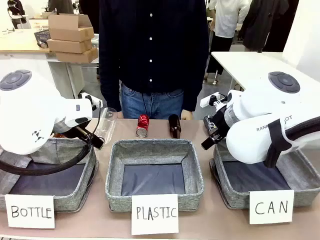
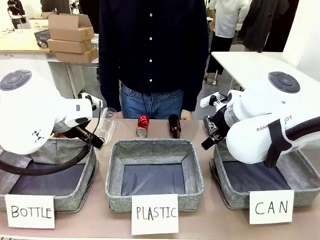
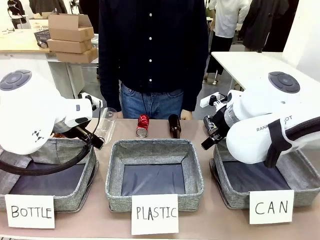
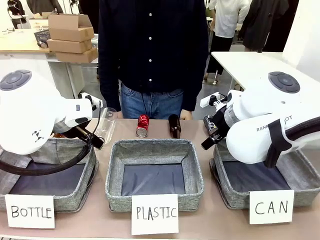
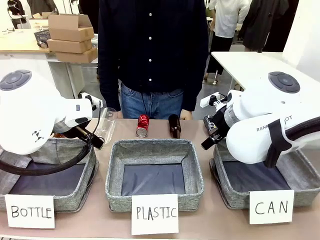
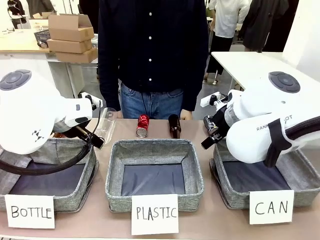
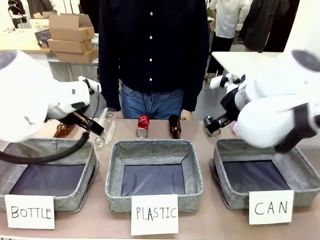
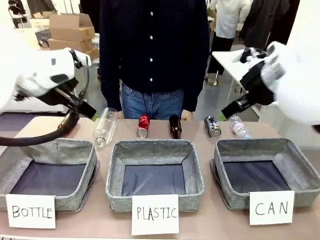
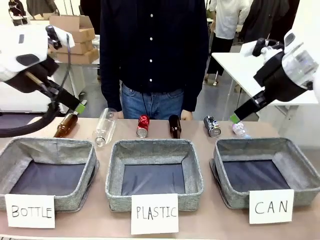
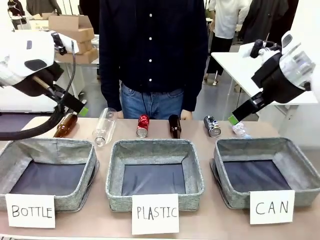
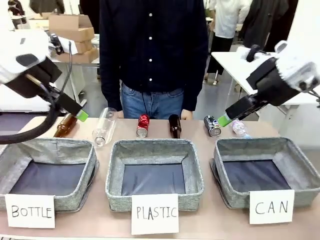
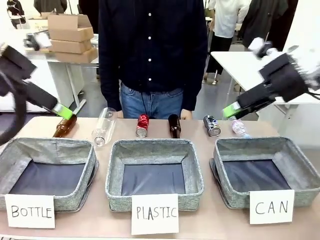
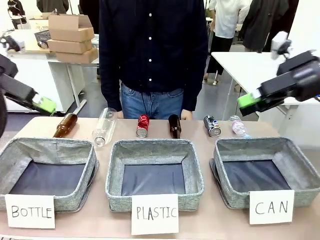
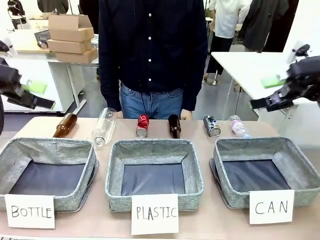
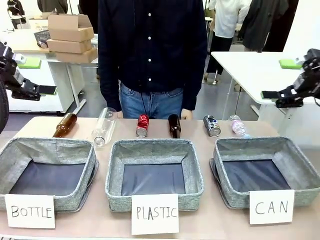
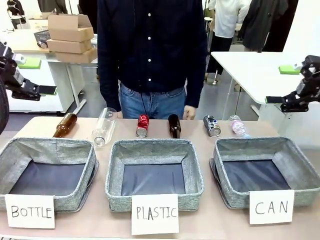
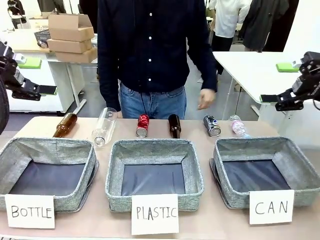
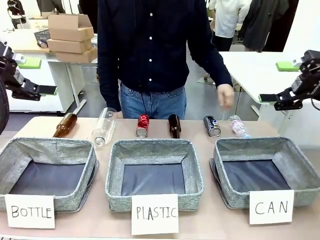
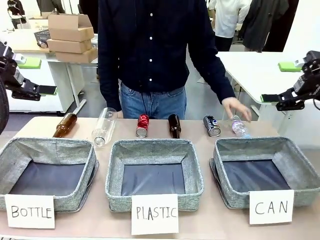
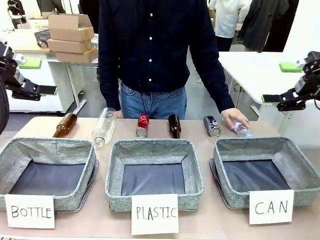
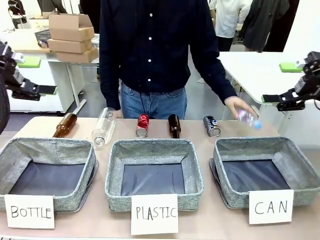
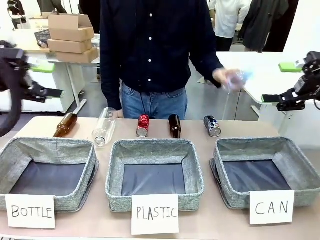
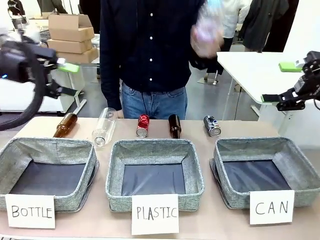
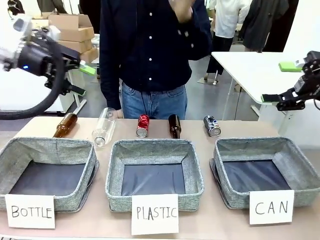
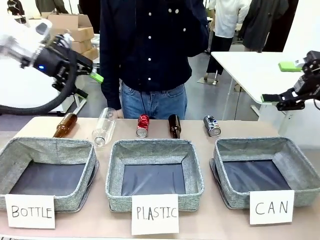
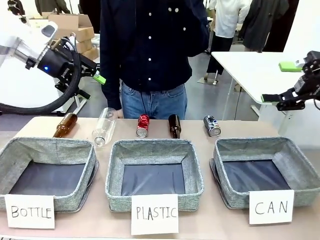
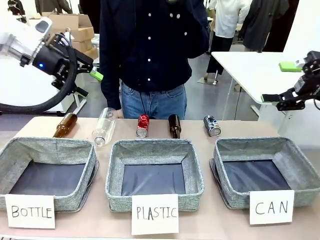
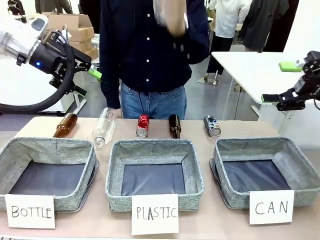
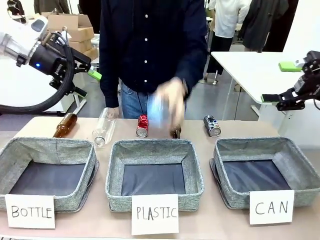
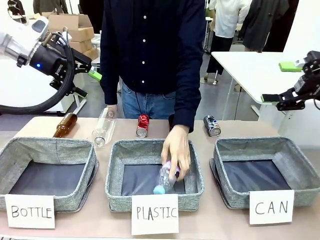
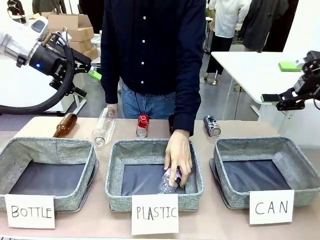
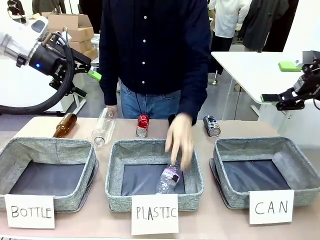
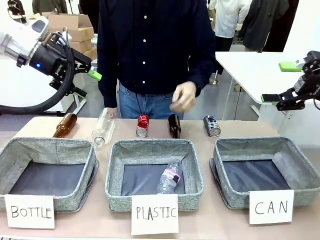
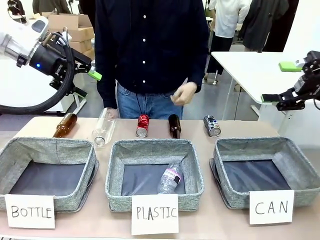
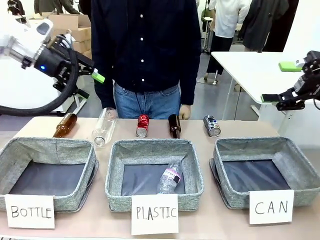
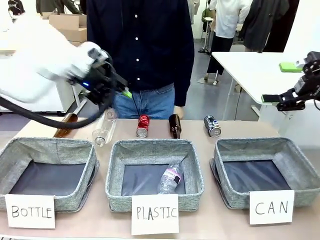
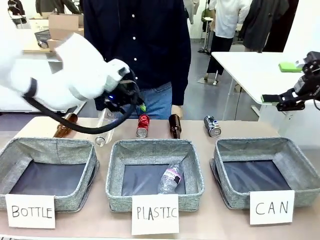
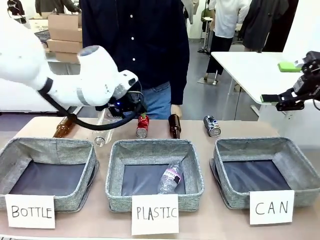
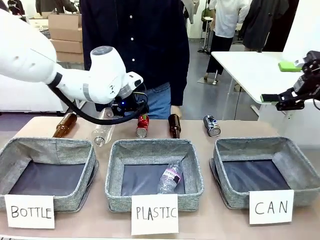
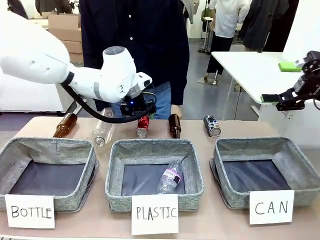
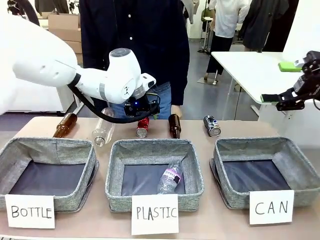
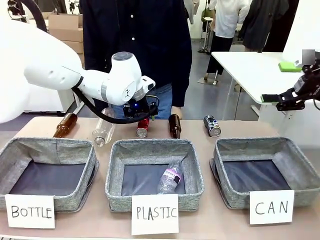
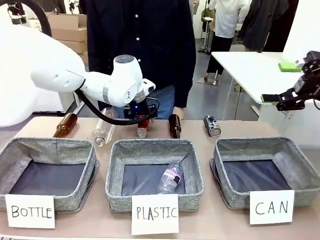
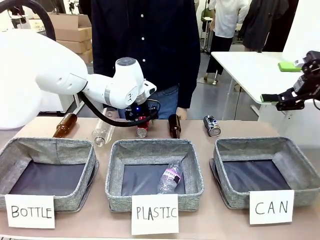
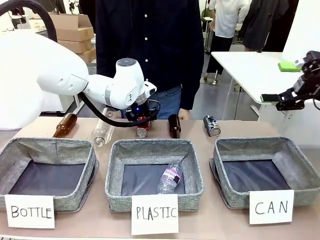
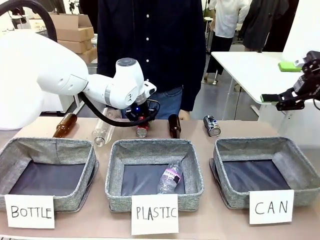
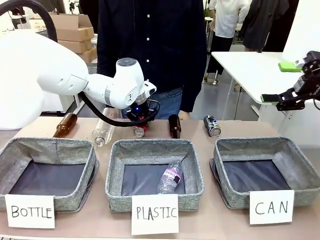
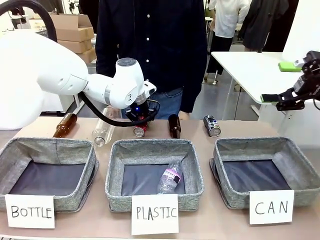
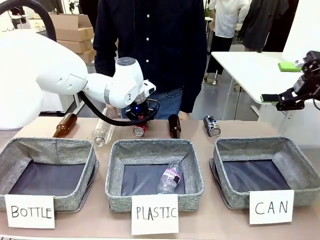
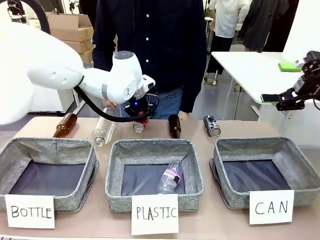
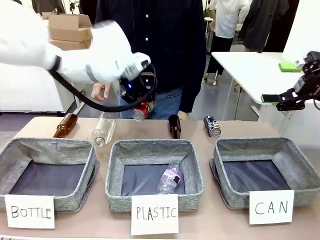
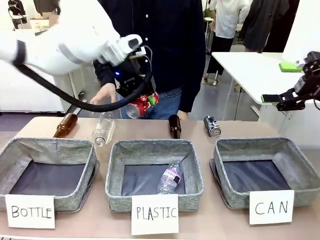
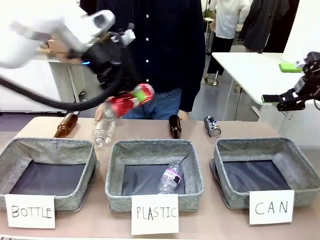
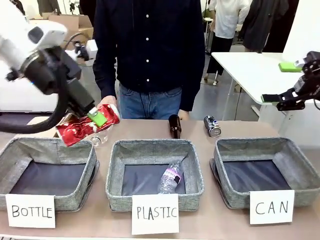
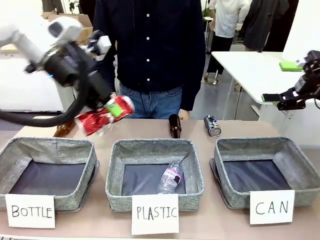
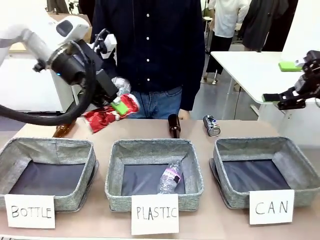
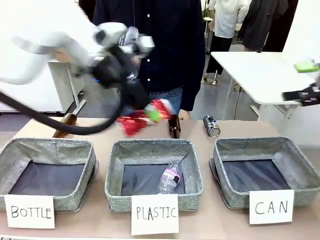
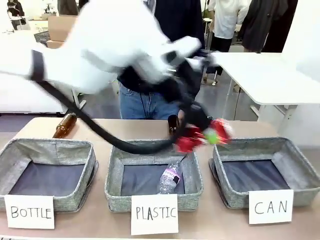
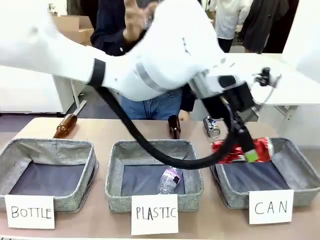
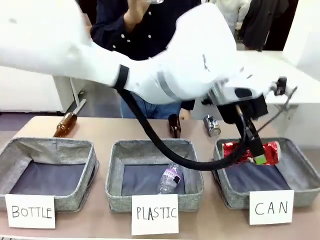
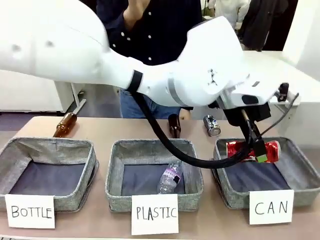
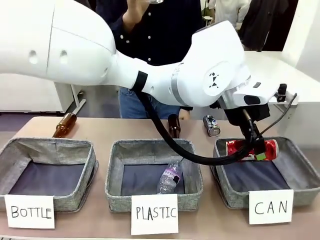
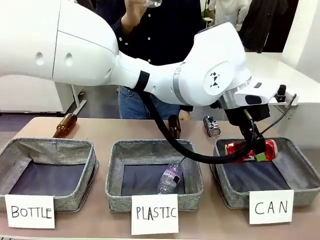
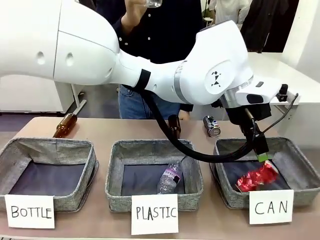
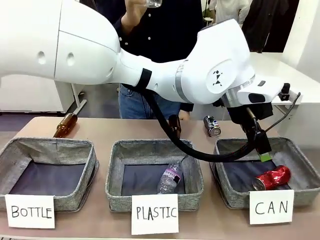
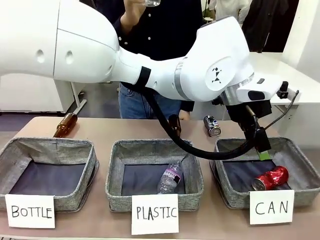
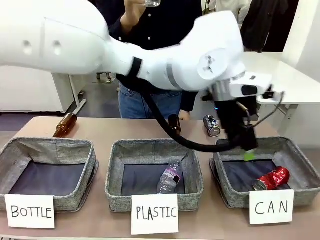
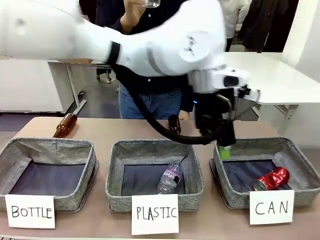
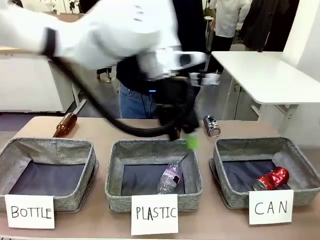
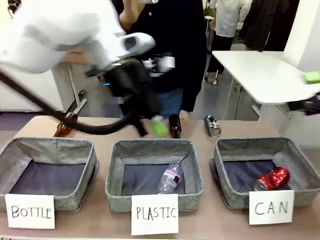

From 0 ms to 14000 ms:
Task: Sort the can waste into the basket.
Robot: Pick up the can waste from the table and place it in the right Fabric basket.
